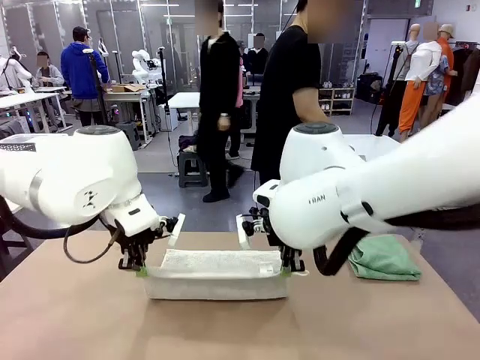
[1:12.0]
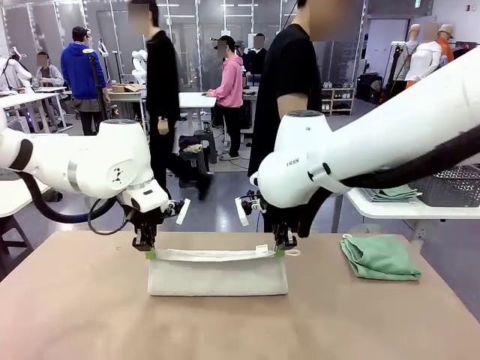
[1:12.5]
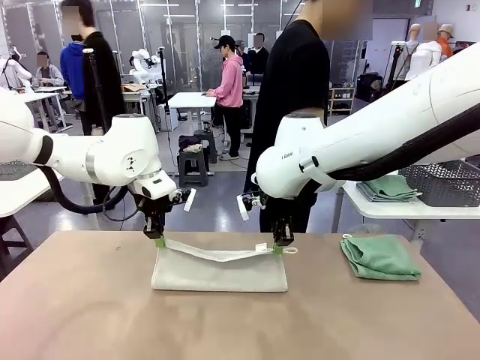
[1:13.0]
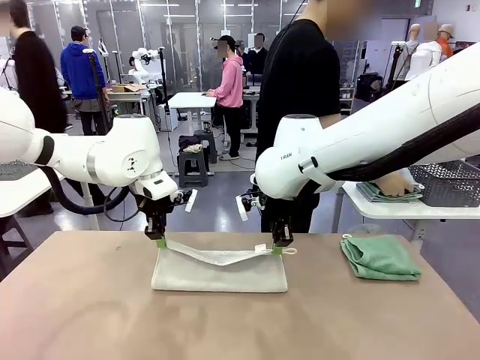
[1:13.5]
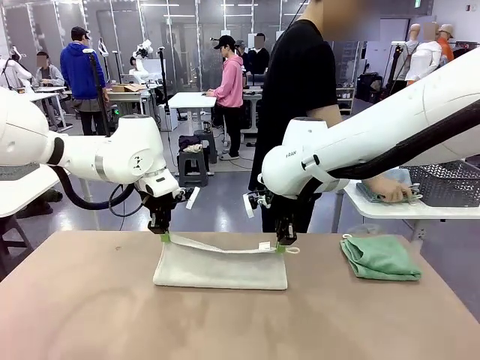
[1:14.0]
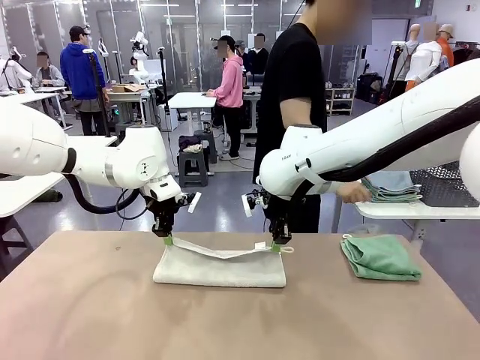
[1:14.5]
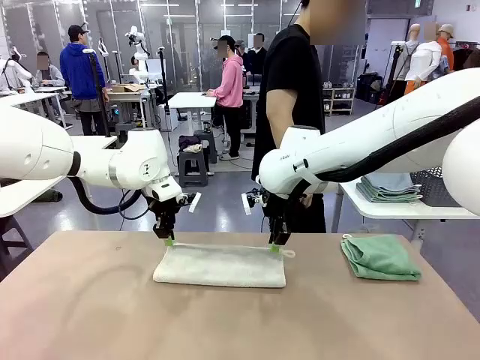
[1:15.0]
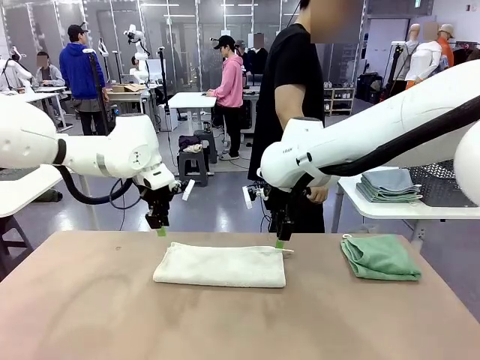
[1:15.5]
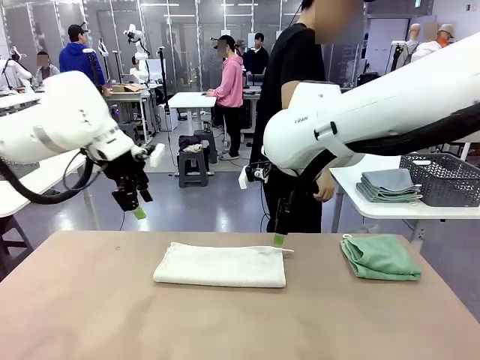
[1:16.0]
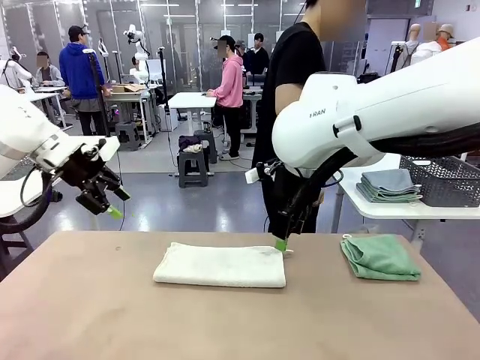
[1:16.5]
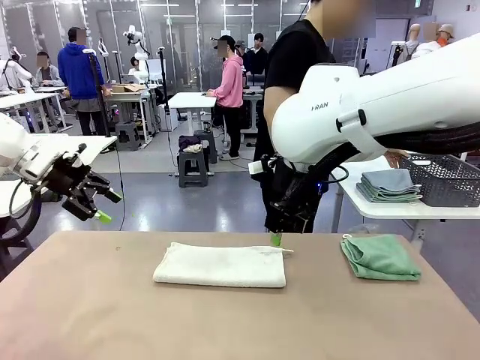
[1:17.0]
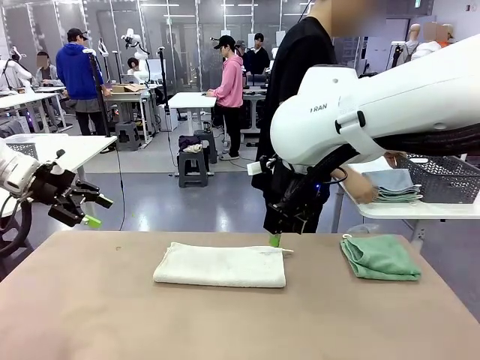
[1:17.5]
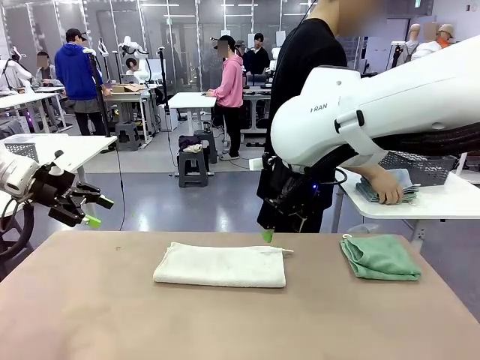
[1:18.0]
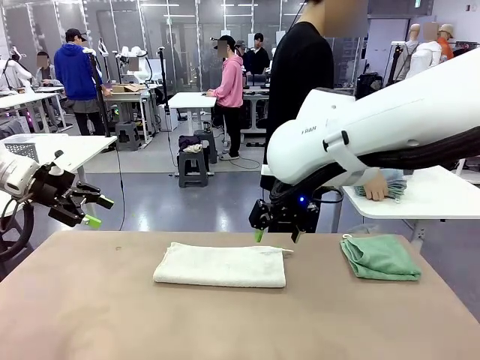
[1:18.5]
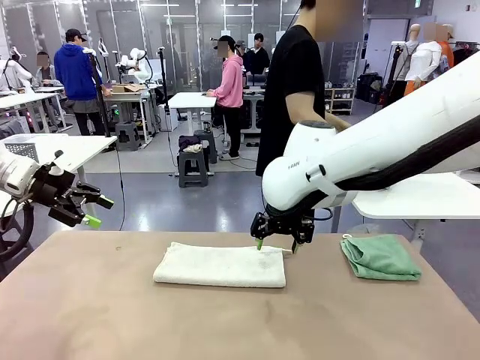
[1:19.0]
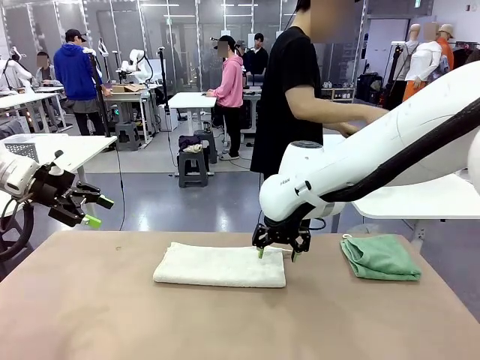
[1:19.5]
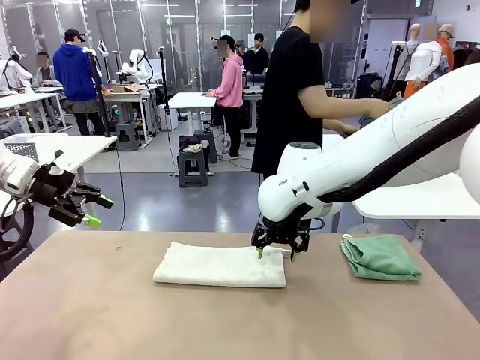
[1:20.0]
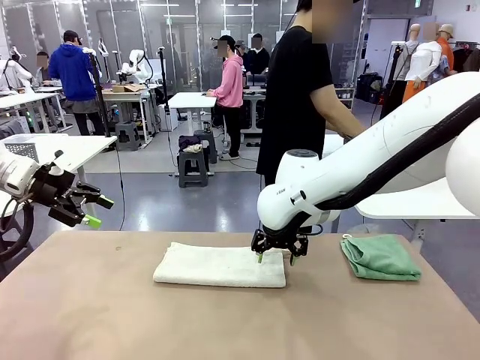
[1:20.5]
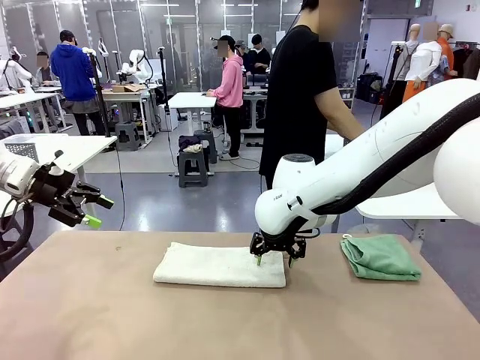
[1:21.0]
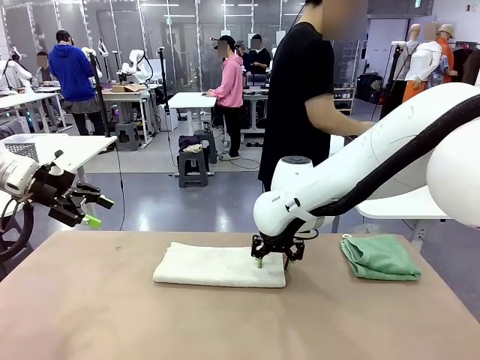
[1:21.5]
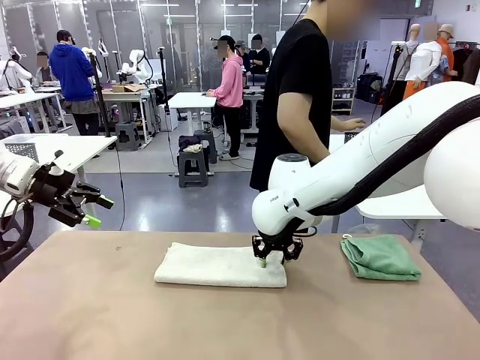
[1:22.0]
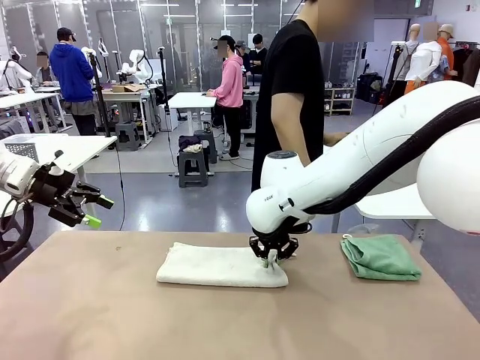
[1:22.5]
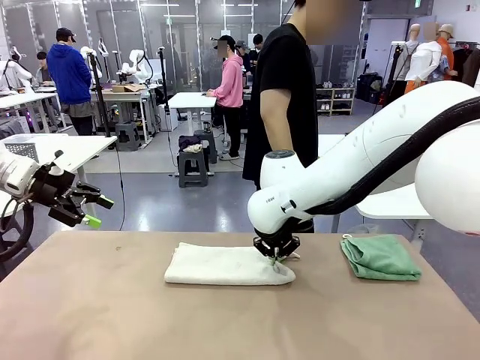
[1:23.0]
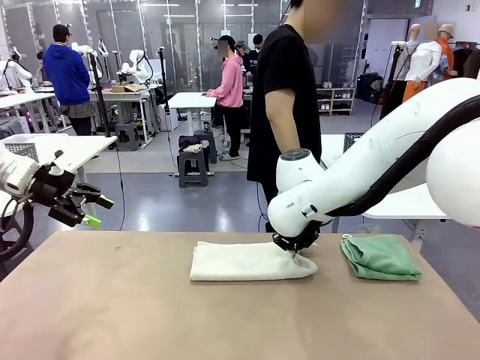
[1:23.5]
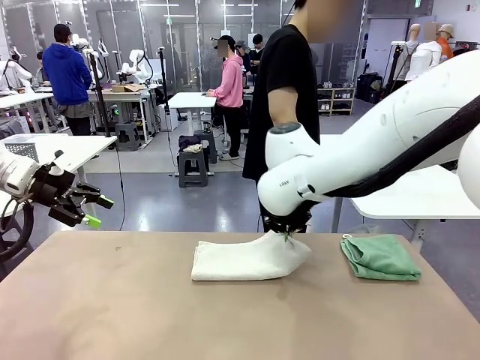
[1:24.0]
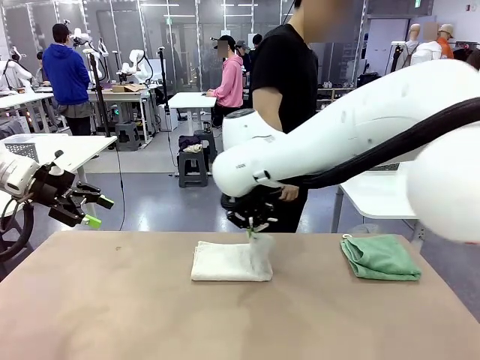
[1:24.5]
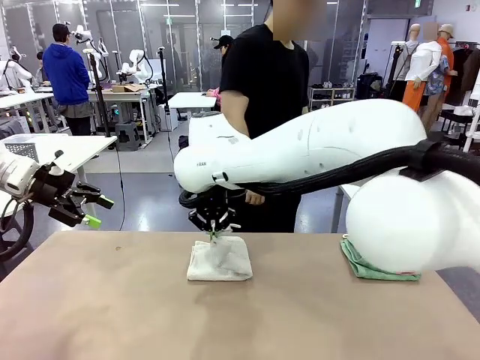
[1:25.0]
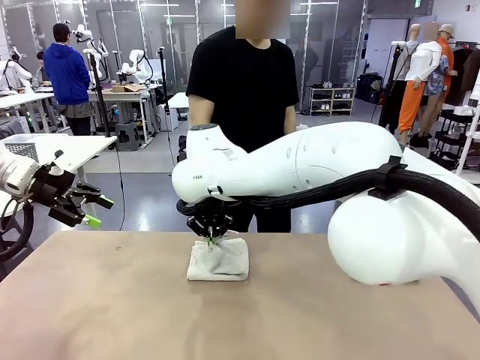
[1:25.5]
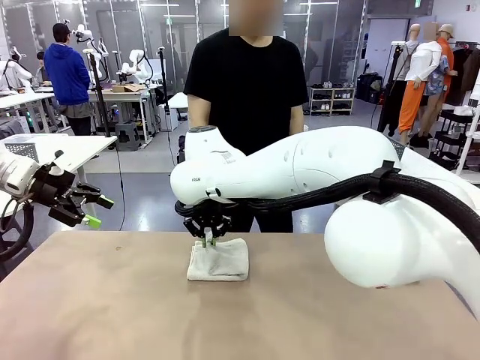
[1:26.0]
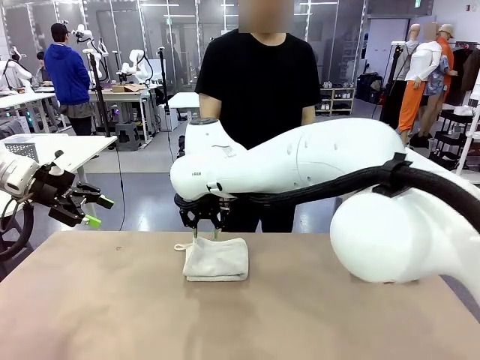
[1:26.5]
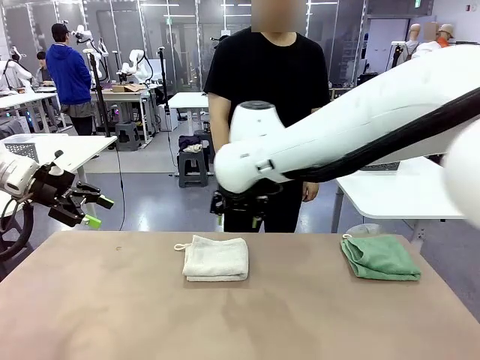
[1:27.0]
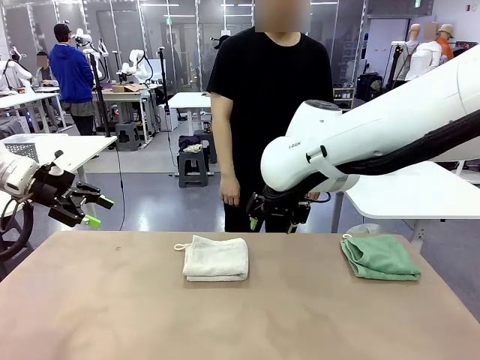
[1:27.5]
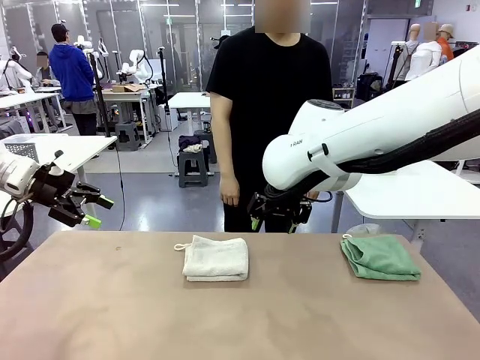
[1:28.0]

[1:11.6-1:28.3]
Task: Fold the towels and place them in the basket.
Robot: When a person lays out a Towel with hook on the table, fold it in half twice.
Person: Pick up the stack of towels from the right side of the human table, place it into the basket, and put the basket at the center of the table.

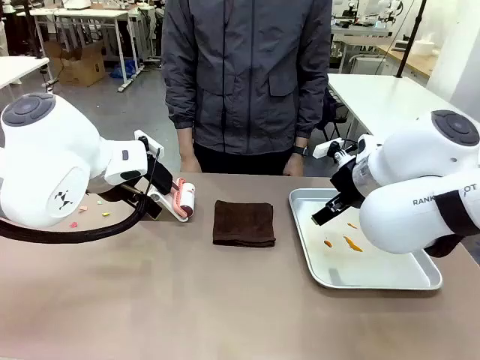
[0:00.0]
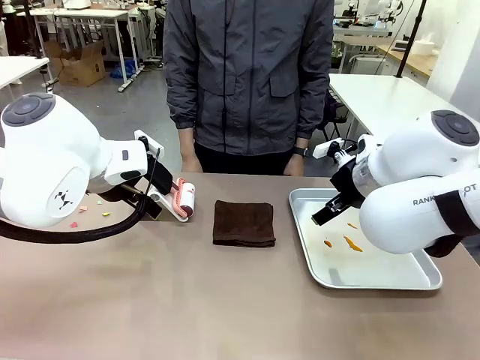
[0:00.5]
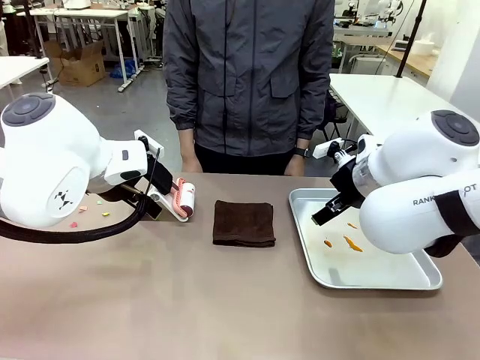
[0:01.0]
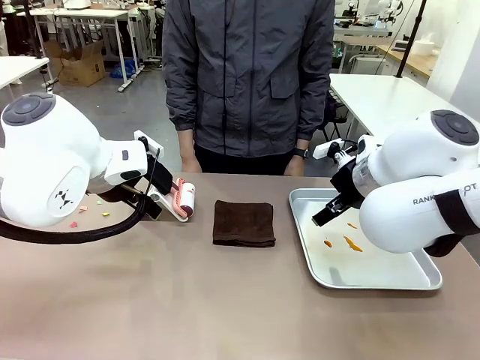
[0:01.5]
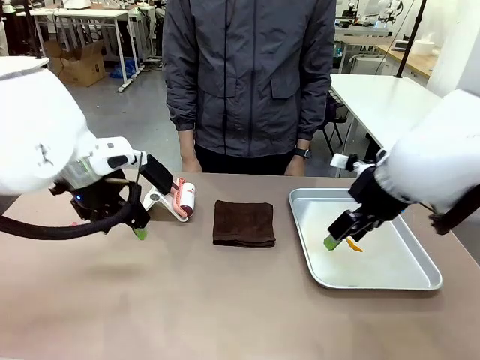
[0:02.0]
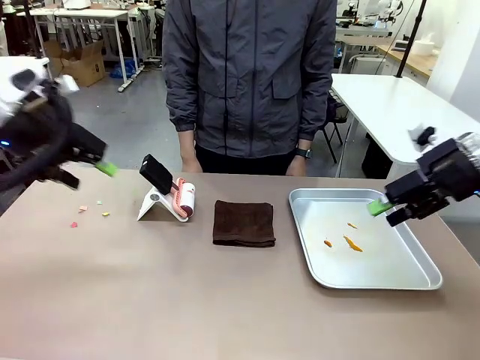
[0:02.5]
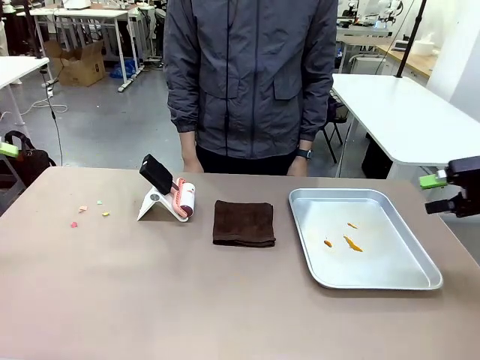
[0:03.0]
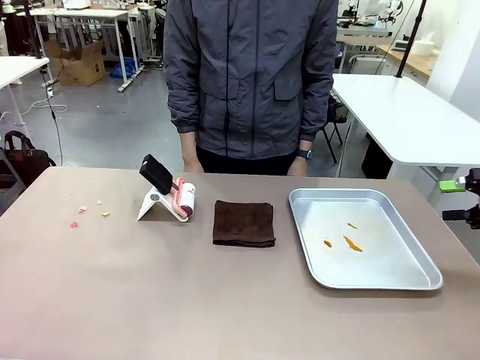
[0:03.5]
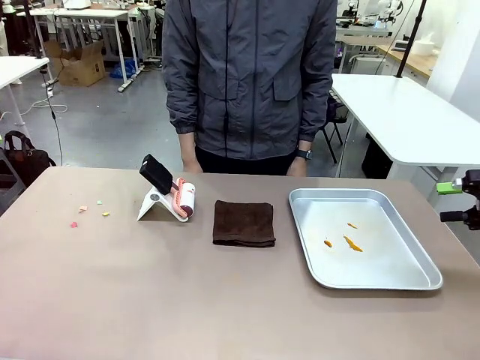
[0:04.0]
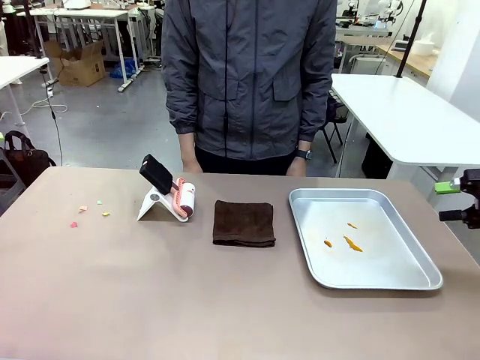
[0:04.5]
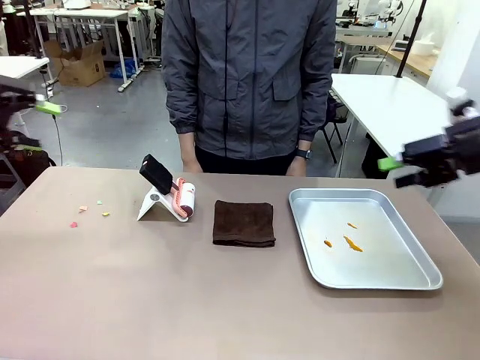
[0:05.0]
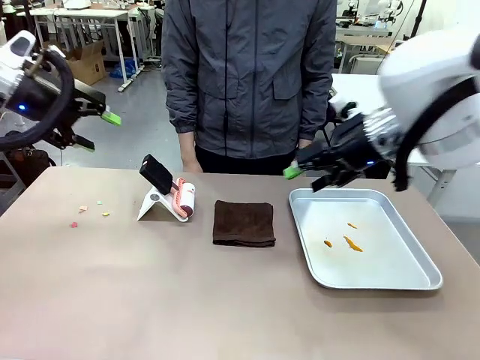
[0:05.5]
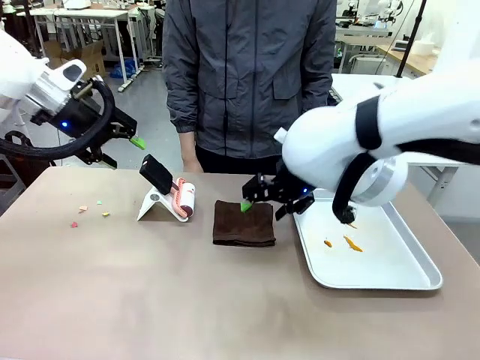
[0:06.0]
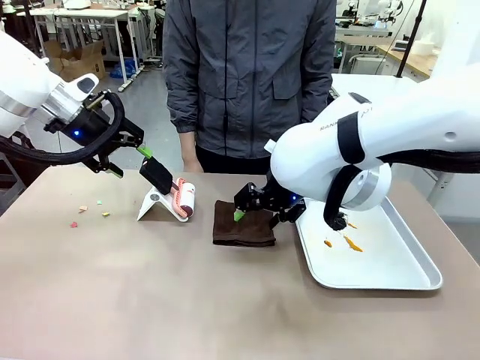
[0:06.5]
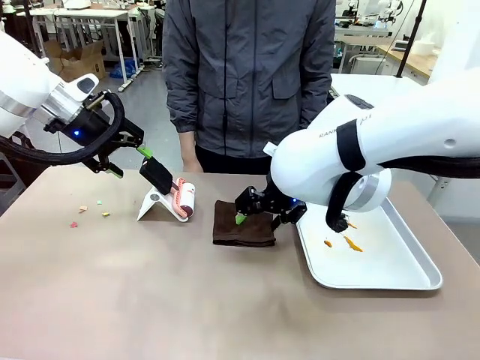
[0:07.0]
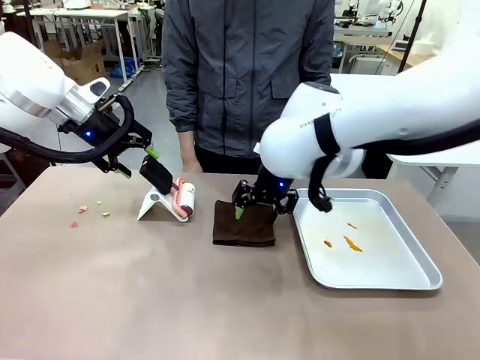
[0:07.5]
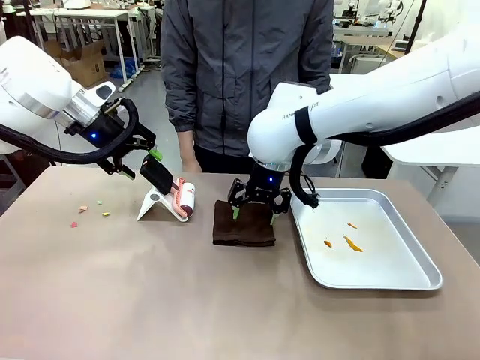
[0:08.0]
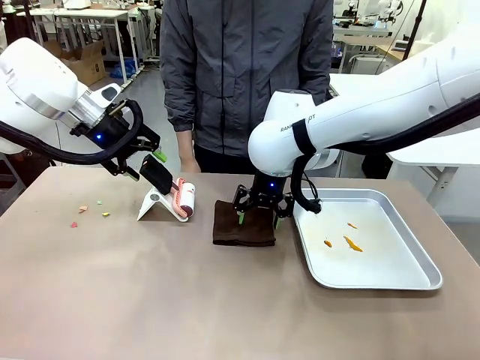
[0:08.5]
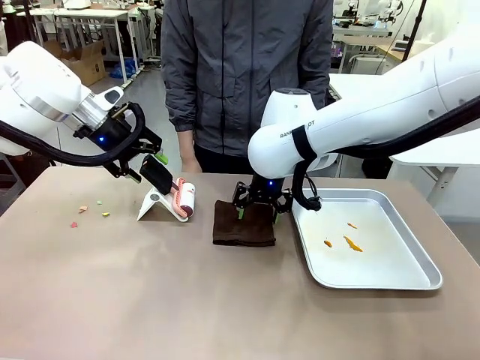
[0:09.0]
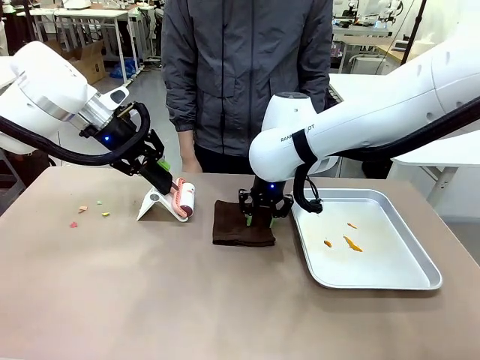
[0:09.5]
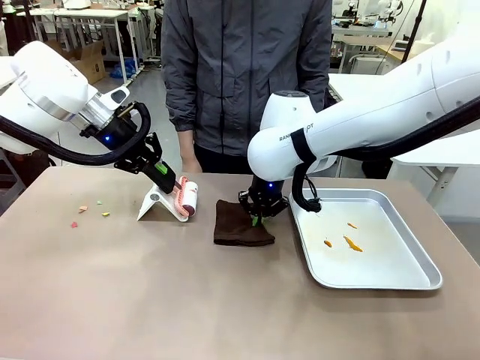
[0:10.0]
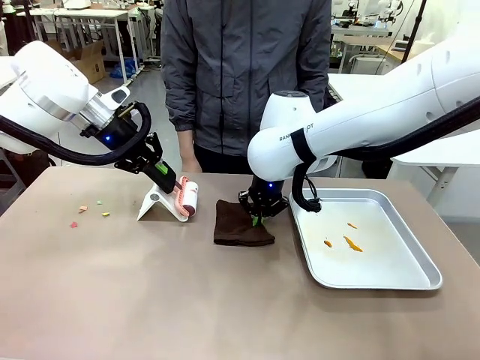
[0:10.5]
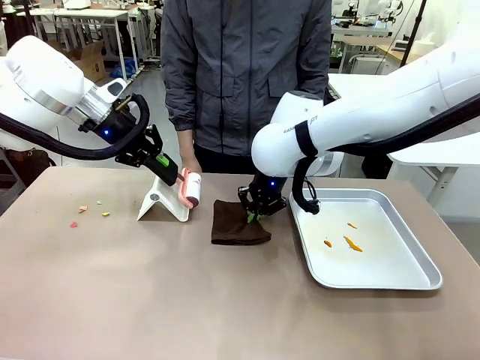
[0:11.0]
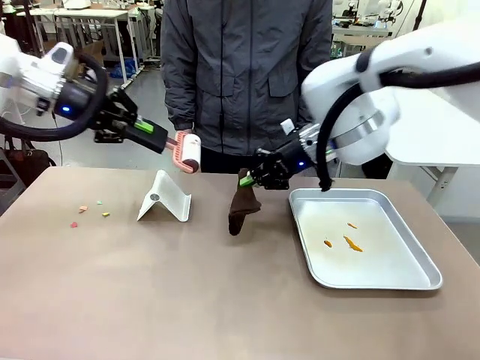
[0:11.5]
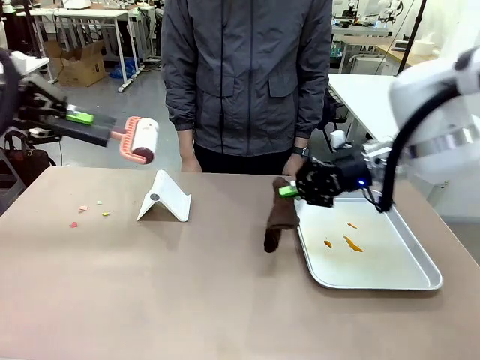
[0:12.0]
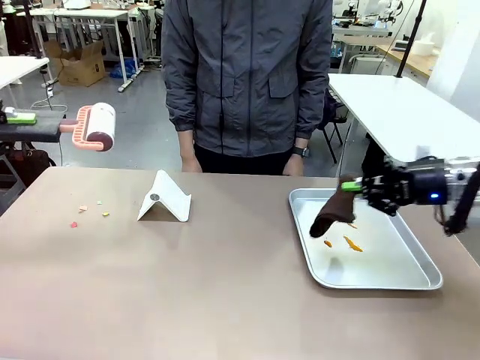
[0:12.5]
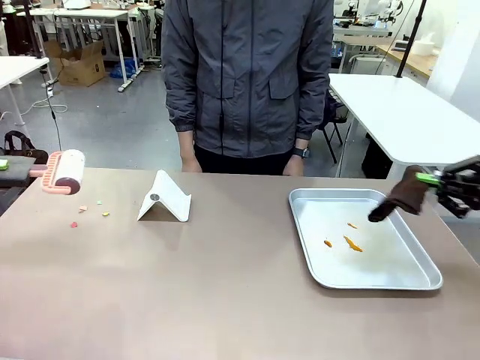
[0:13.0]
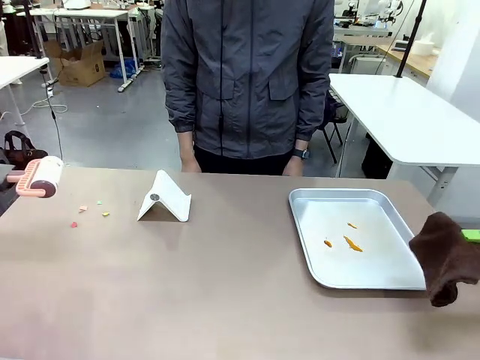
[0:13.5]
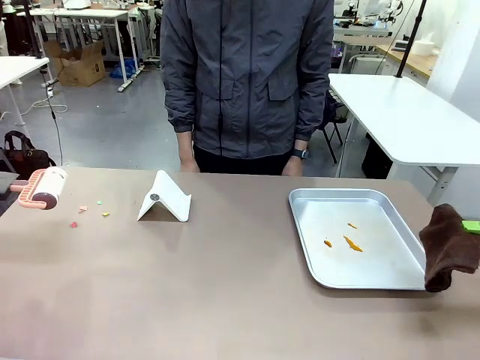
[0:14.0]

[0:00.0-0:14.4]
Task: Clean the surface of the table.
Robot: Hold the Lint Roller with your left hand and the towel with your right hand.
